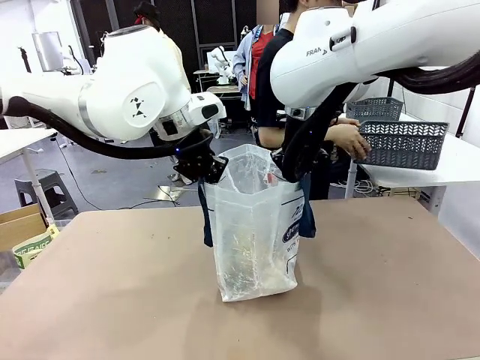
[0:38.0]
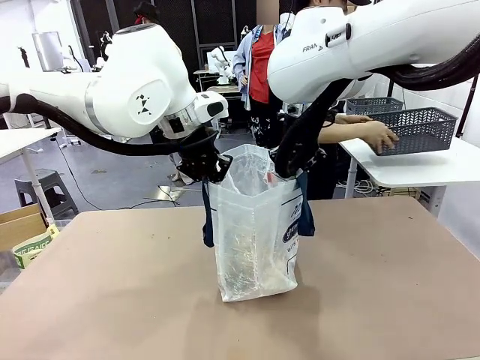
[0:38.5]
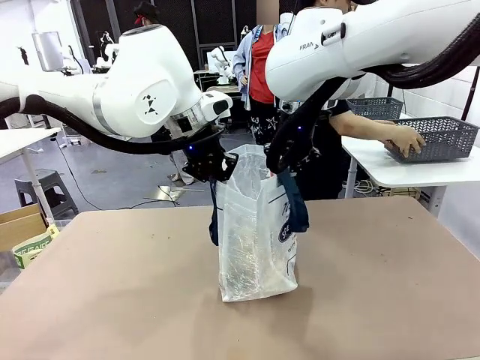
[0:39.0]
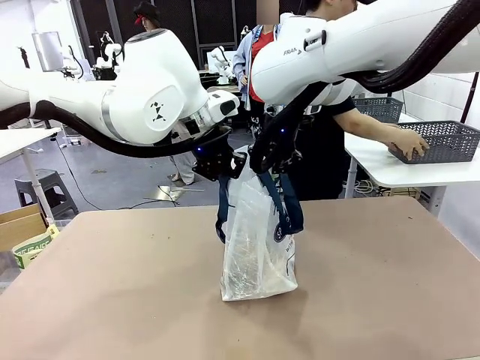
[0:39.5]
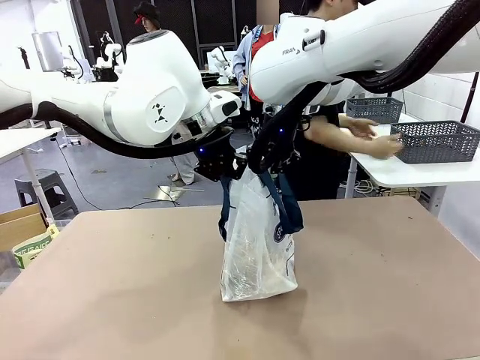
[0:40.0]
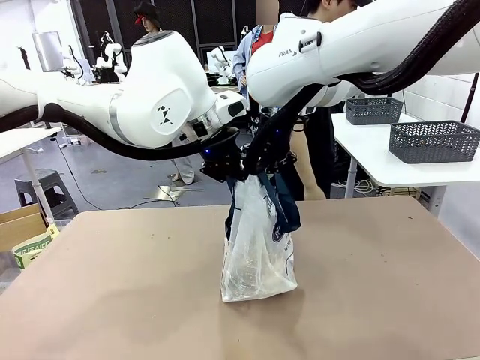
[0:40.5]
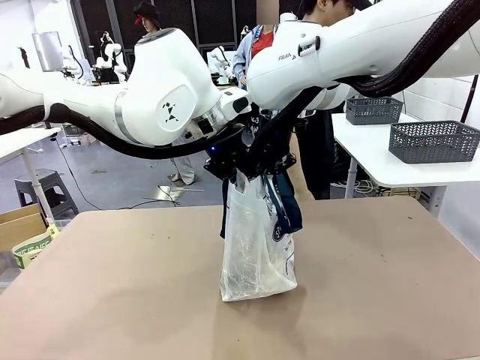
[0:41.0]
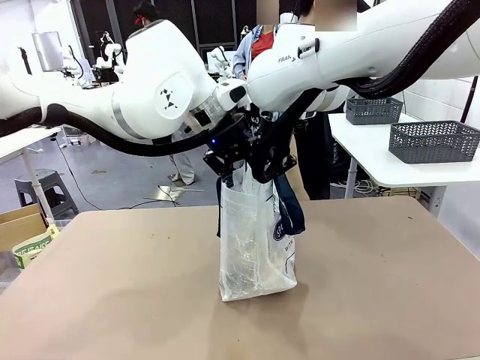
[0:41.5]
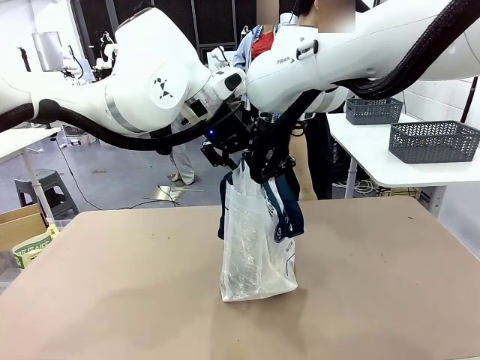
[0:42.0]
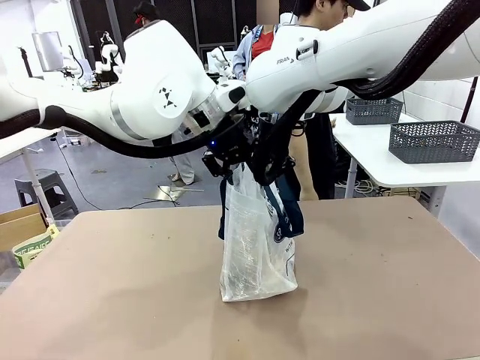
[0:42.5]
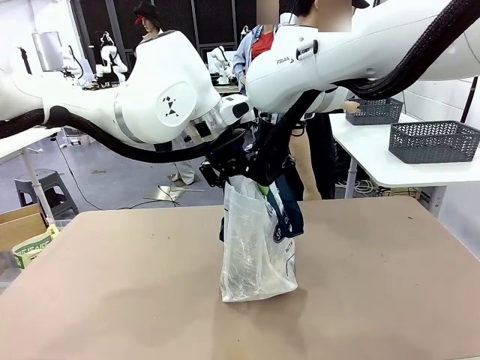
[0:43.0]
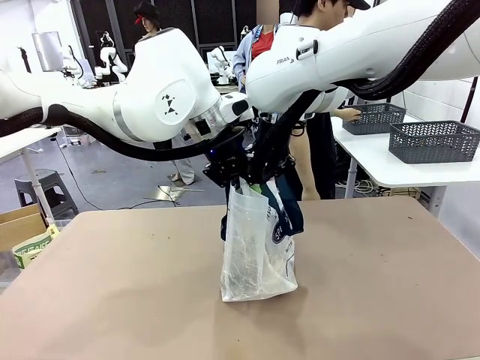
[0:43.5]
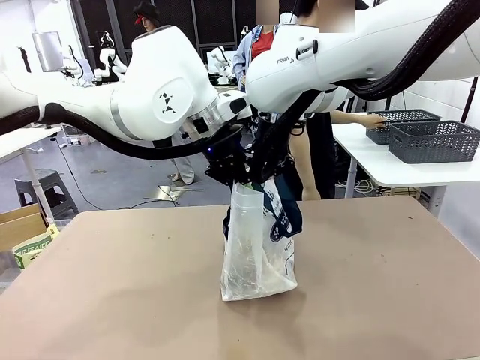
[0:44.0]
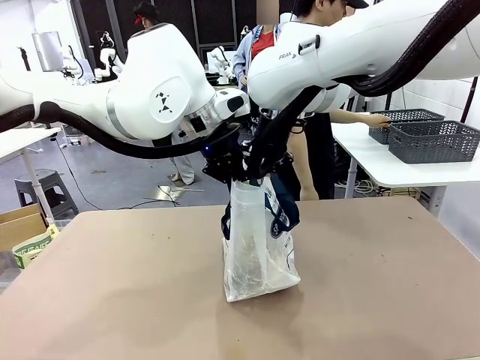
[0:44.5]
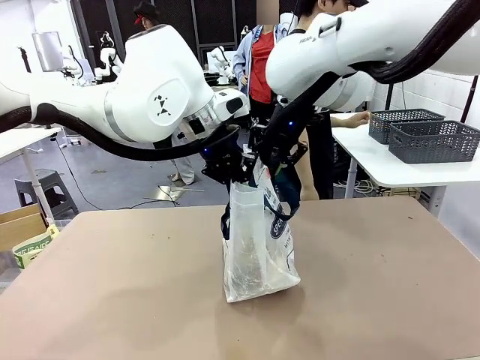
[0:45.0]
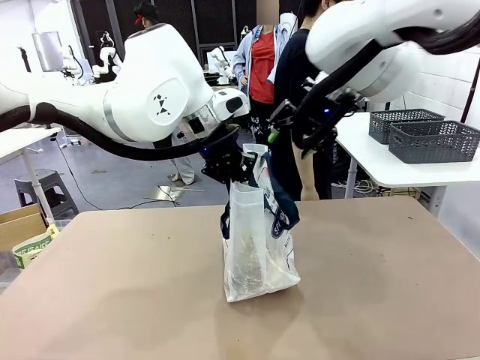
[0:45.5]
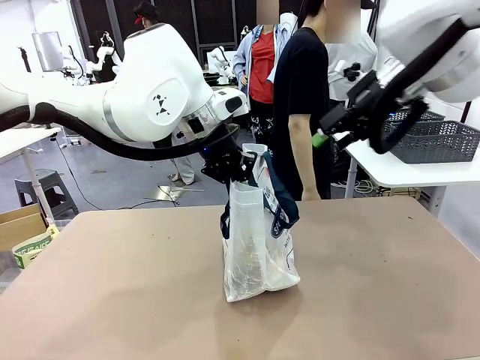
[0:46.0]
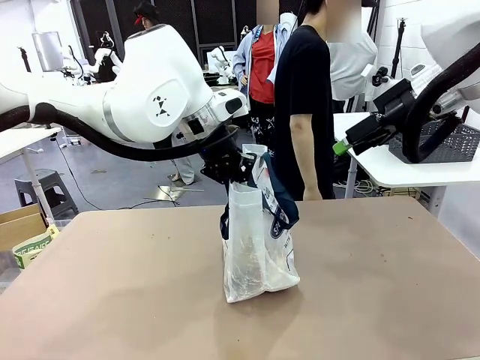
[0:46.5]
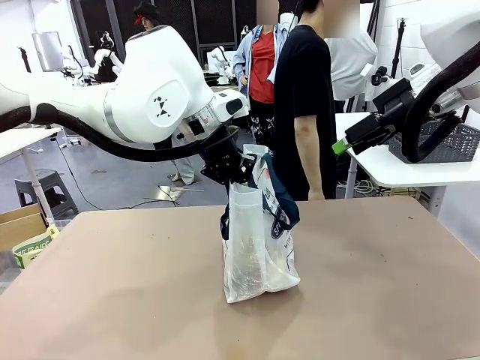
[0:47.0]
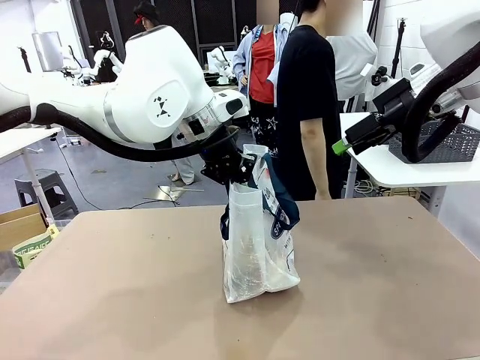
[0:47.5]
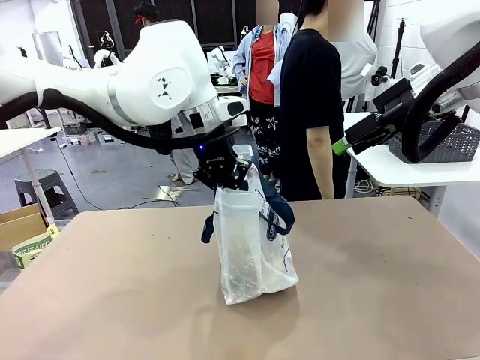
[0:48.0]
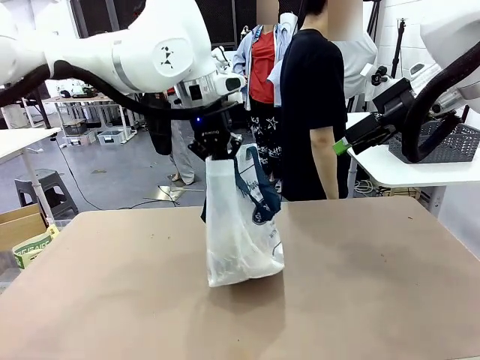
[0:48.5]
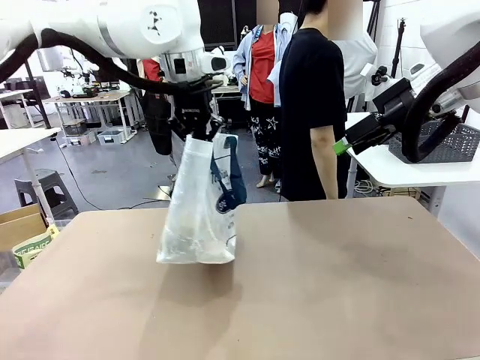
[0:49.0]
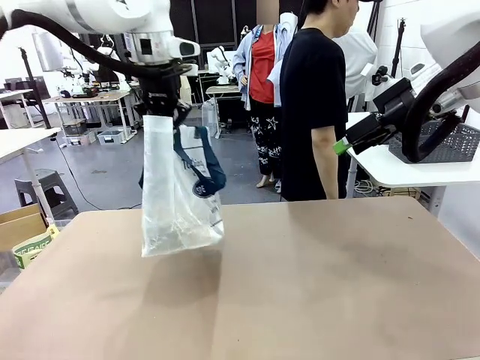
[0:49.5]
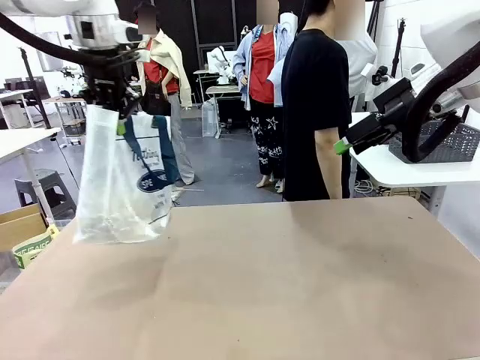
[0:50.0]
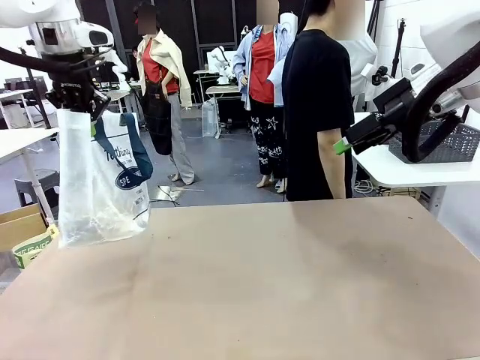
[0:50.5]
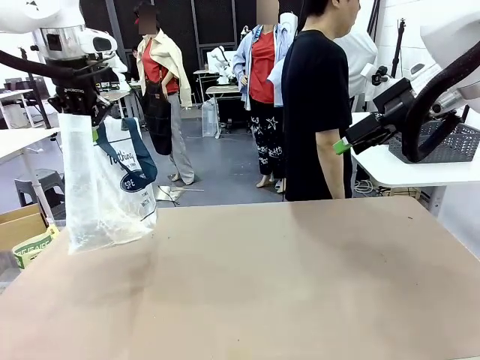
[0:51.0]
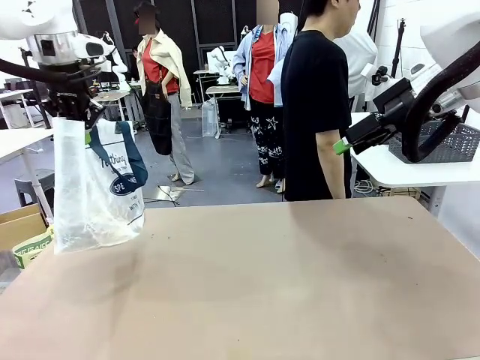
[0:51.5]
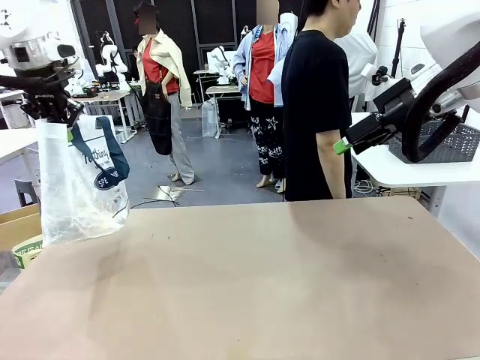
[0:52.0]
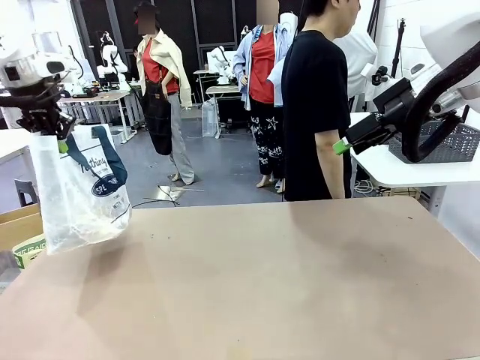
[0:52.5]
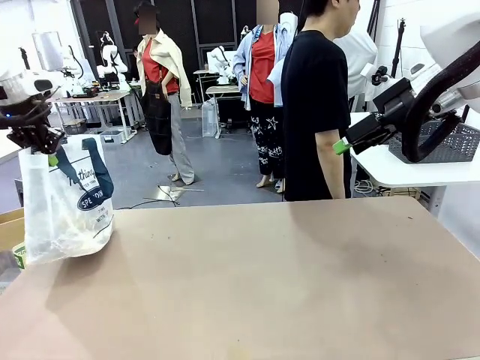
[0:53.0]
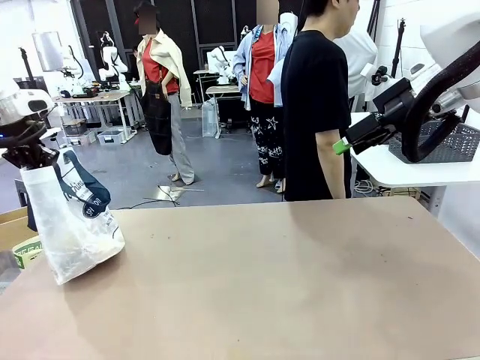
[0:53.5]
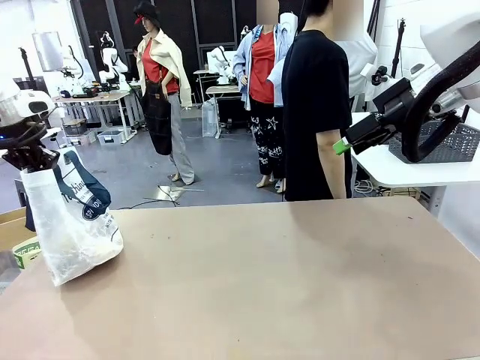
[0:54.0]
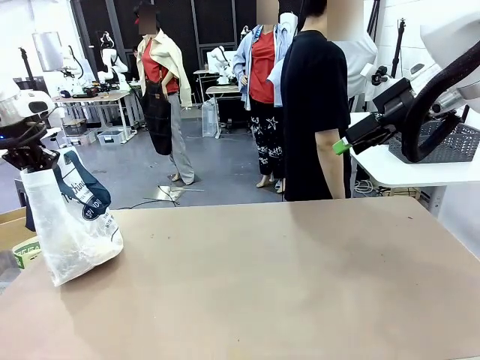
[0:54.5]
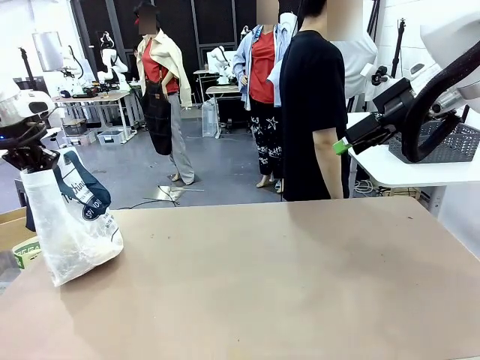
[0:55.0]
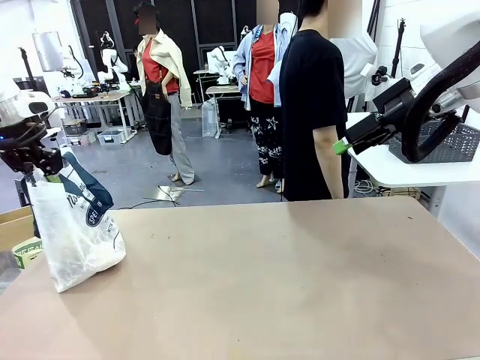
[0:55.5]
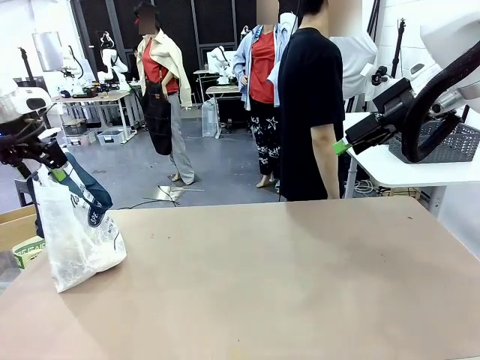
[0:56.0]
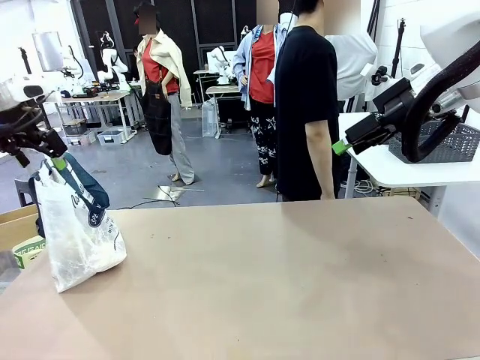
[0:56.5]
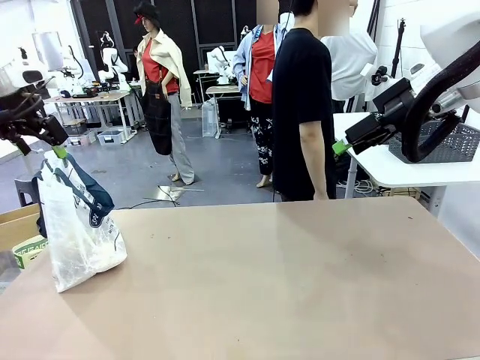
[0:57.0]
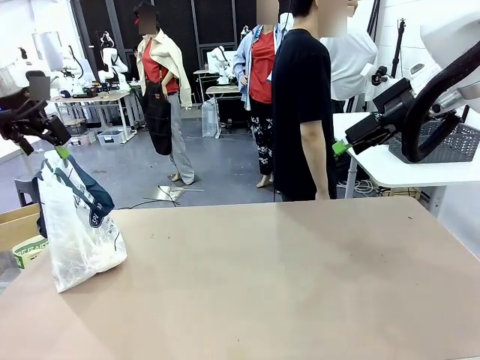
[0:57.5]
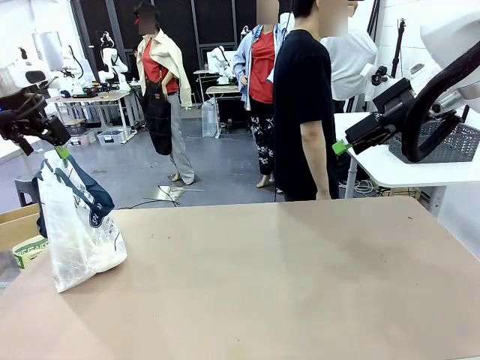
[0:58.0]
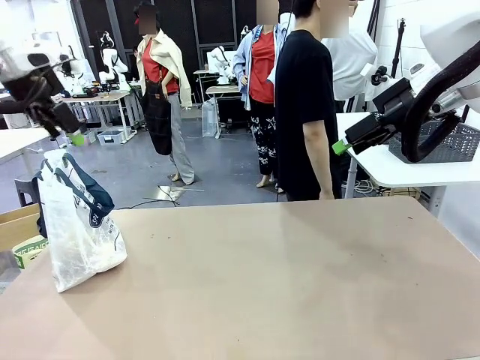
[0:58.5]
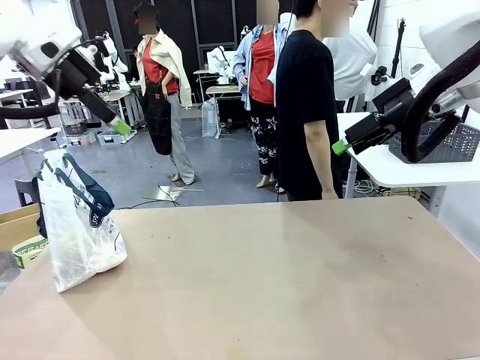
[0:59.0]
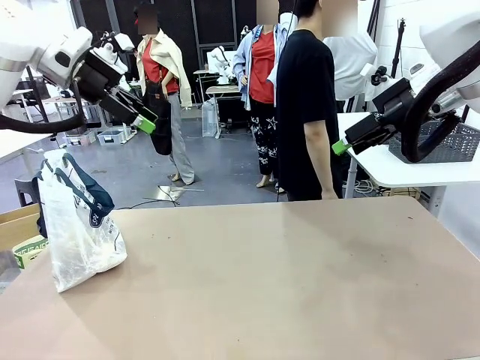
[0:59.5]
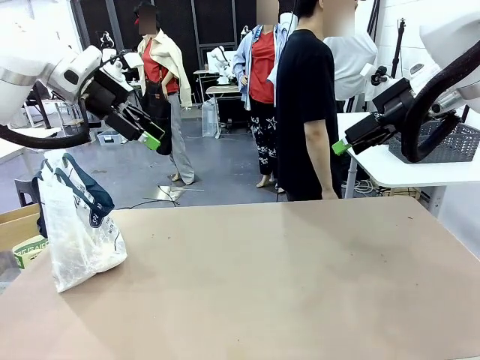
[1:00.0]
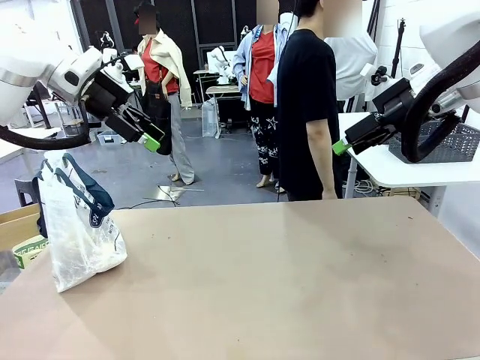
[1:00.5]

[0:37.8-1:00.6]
Task: Transfer purchased items from the store into the shopping bag.
Robot: Move the Reusable shopping bag to the right side of the table.
Person: Pick up the basket with the items out and place it on the right side of the human table. Move the basket on the left to the middle of the person's table.

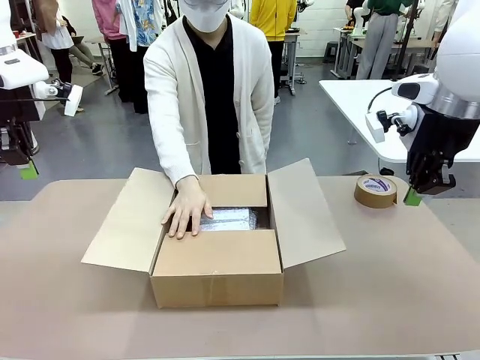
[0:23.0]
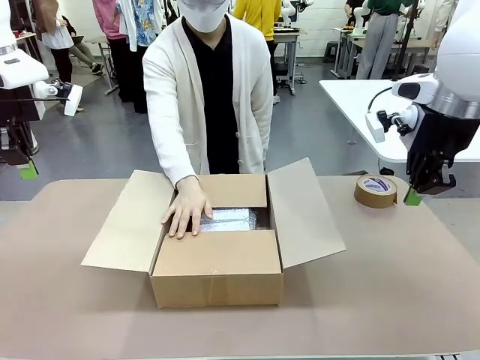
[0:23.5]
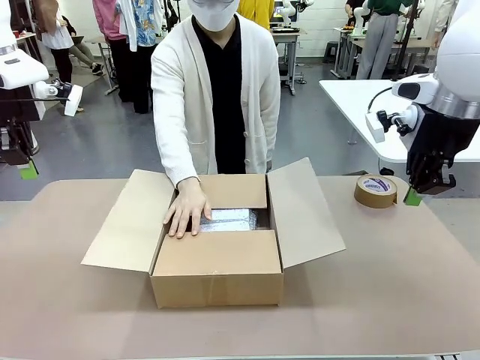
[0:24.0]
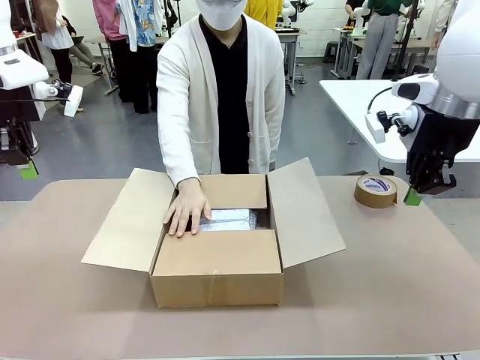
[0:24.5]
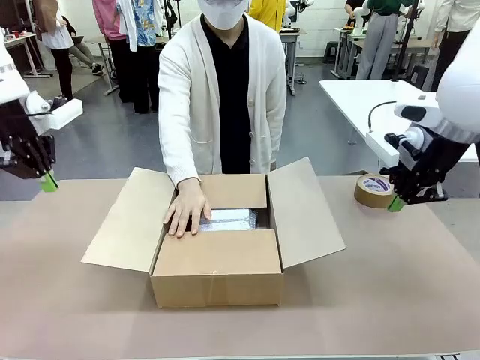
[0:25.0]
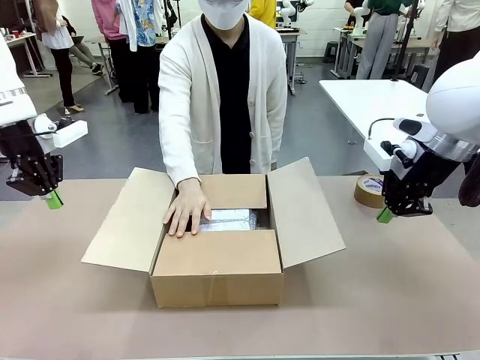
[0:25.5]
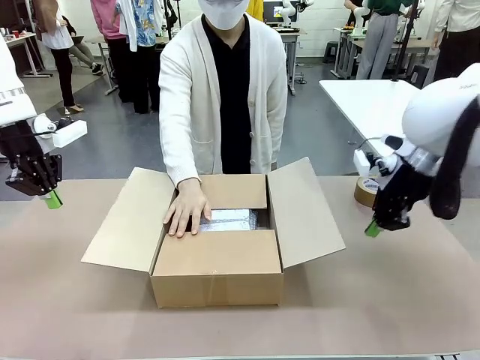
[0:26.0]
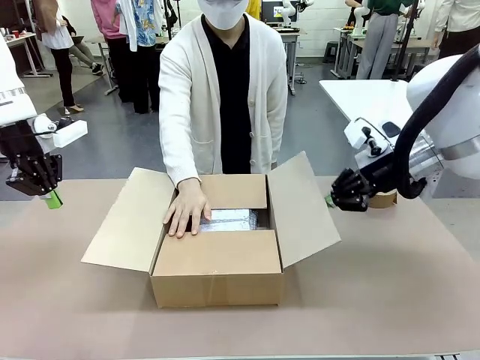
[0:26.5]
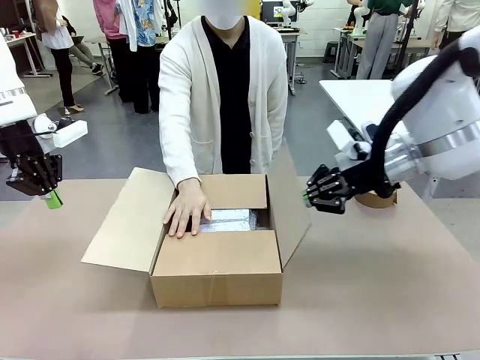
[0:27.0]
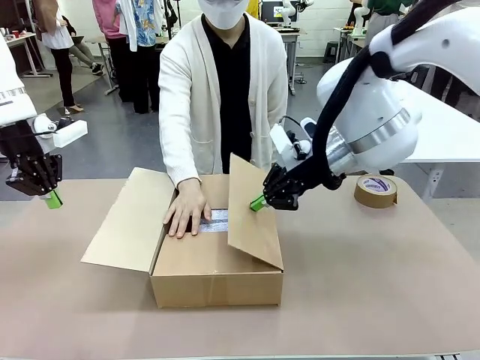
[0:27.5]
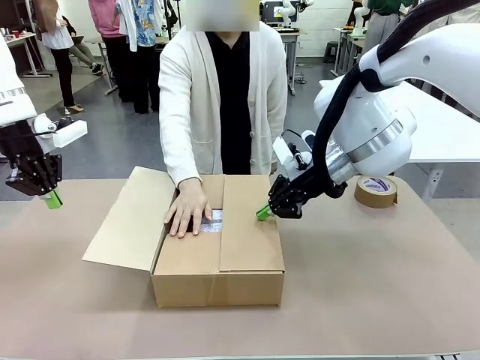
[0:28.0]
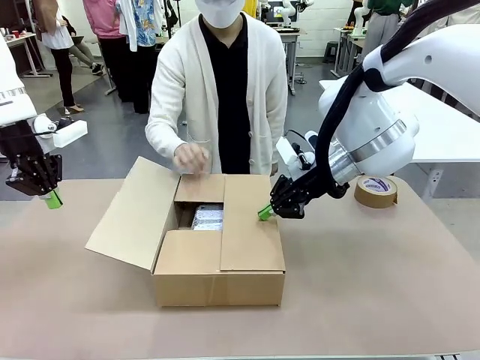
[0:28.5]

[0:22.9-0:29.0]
Task: Wrap the clocks to prevent damage.
Robot: Push the right (or left) flap of the Package Box to close it.
Person: Once the robot closes the right flap of the Package Box , release your left hand from the box.
